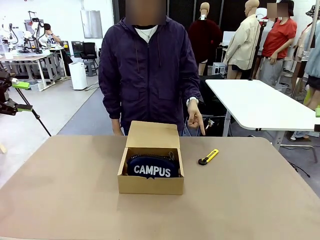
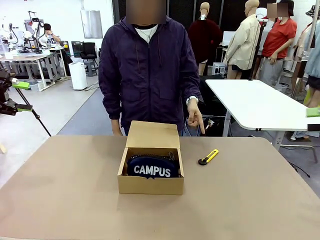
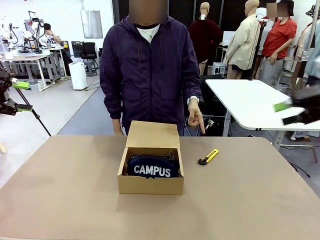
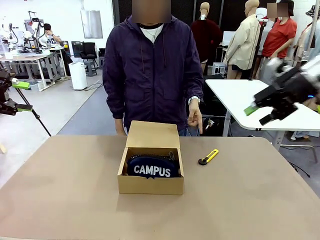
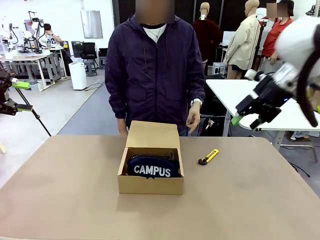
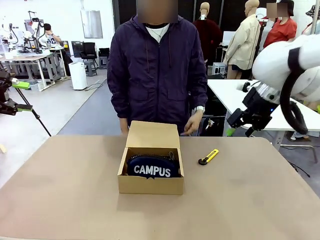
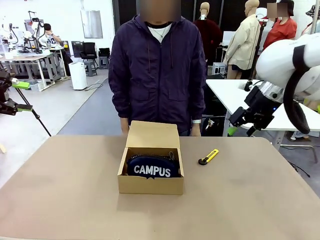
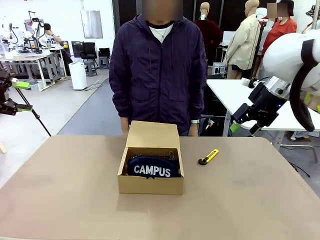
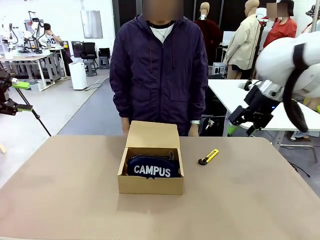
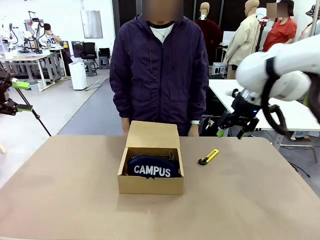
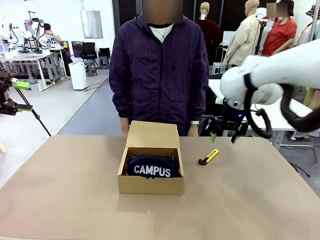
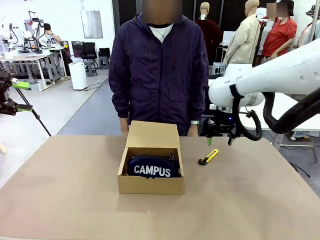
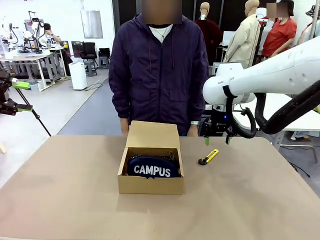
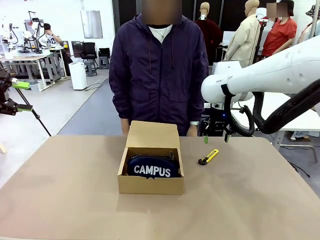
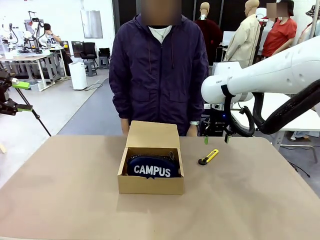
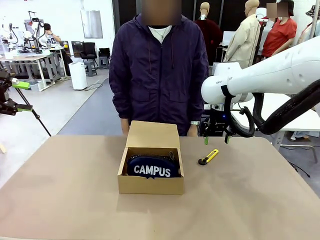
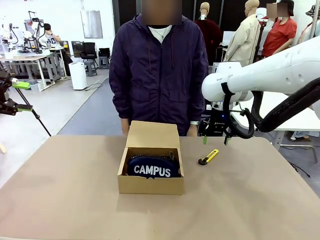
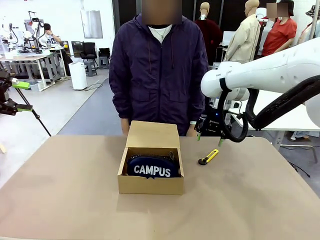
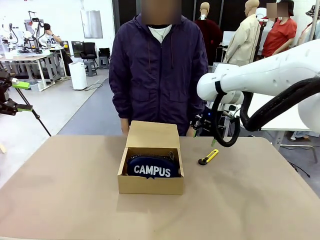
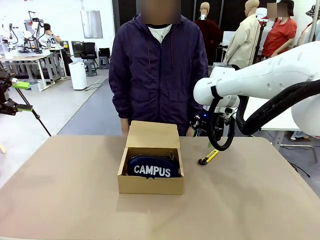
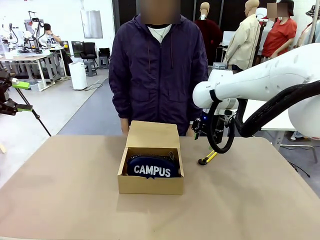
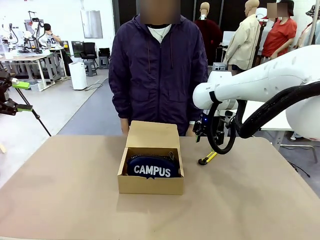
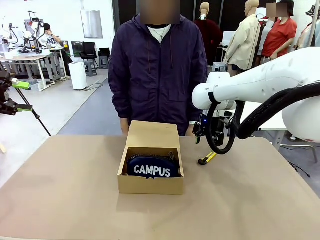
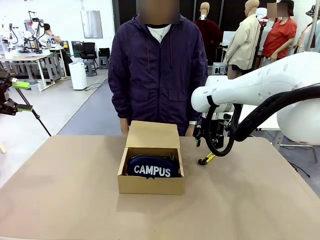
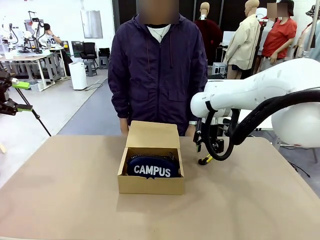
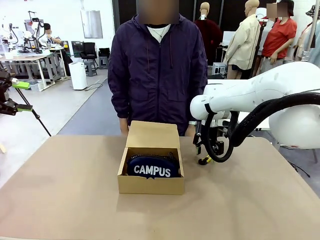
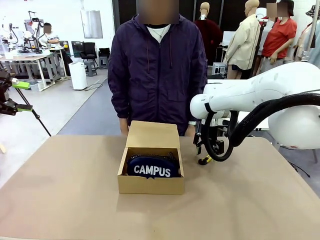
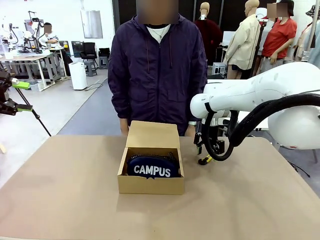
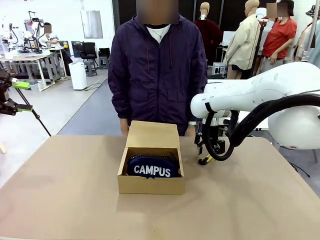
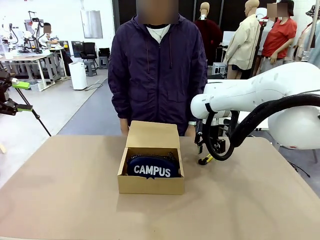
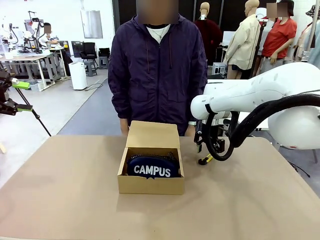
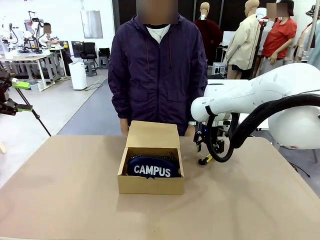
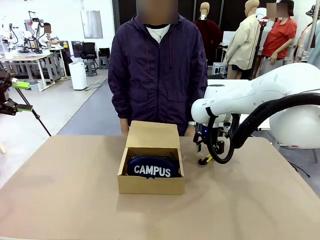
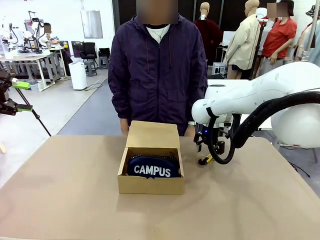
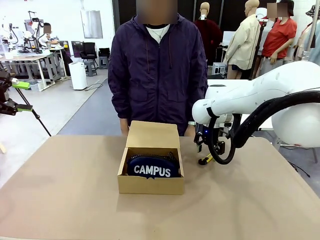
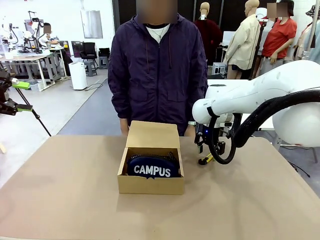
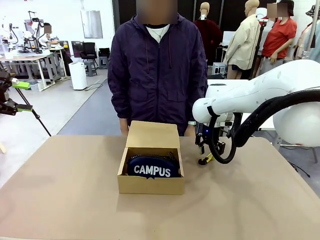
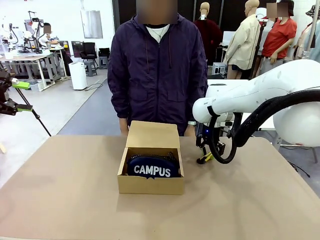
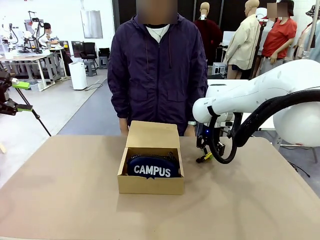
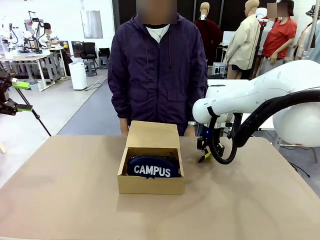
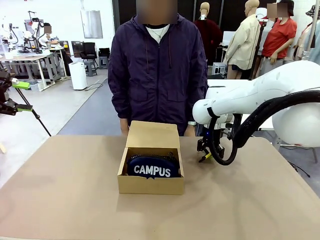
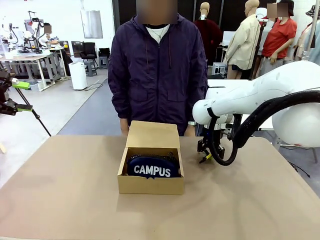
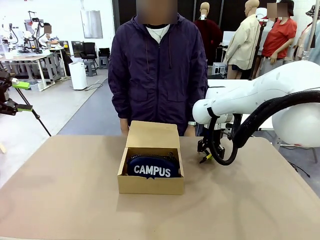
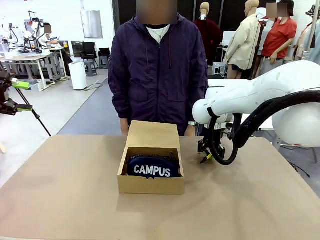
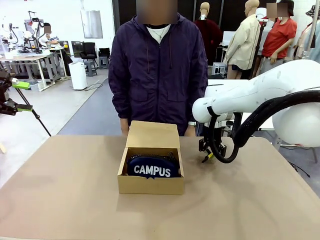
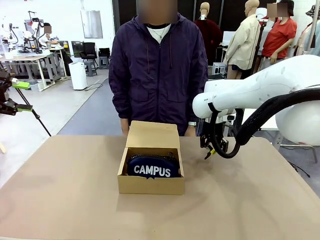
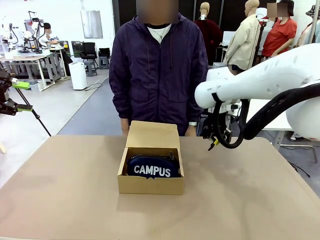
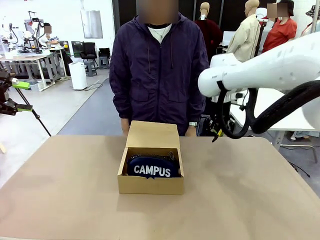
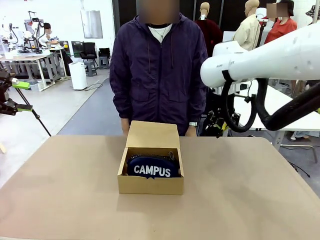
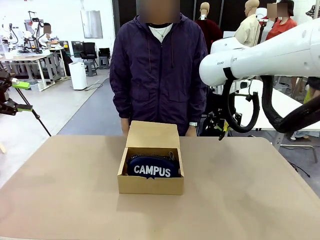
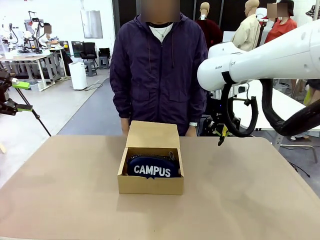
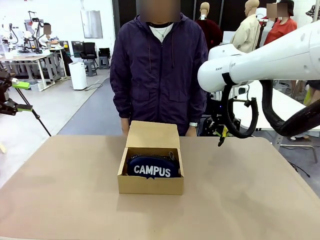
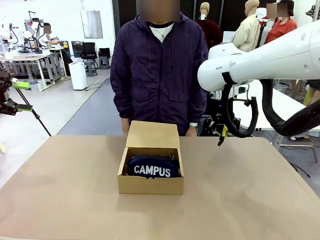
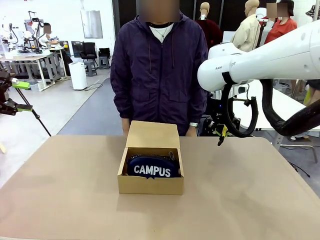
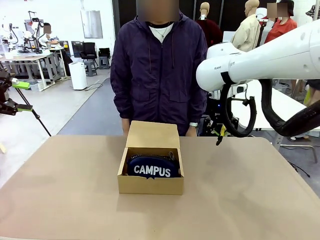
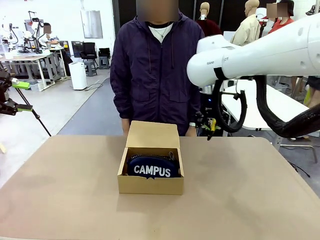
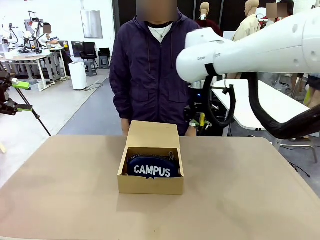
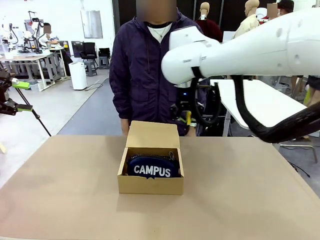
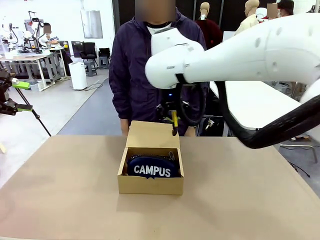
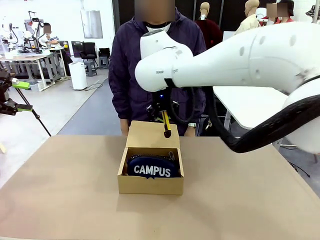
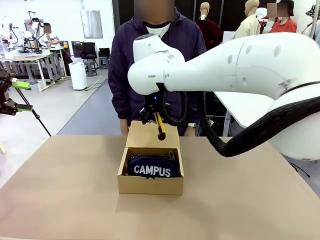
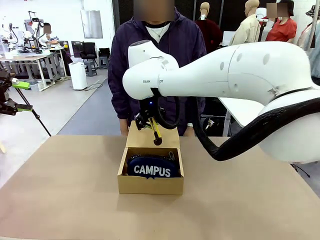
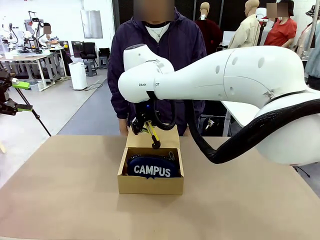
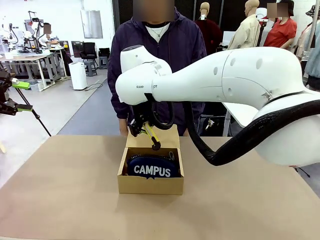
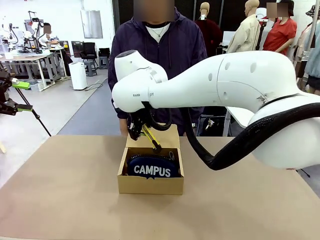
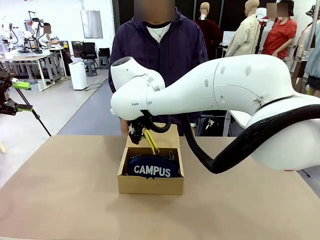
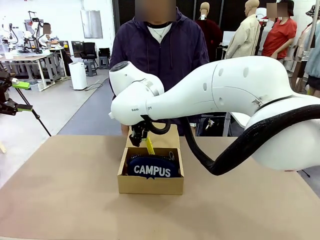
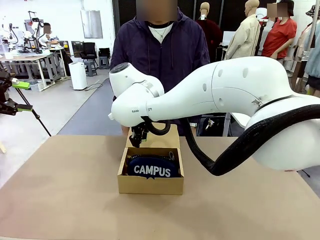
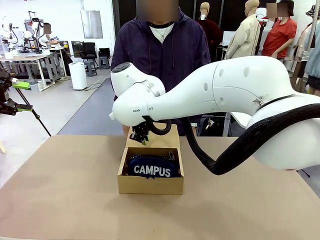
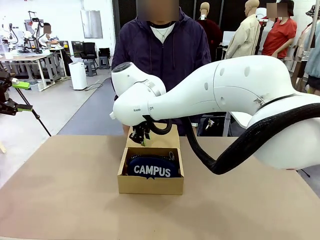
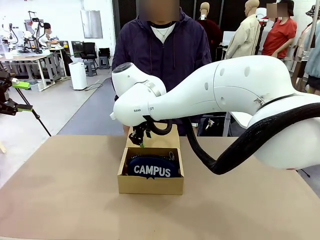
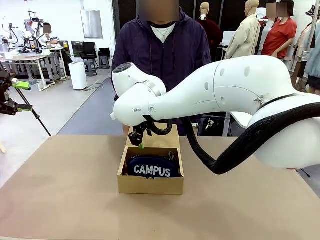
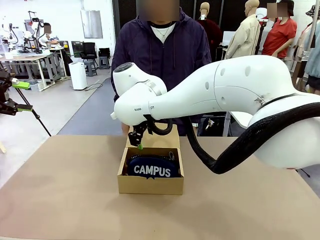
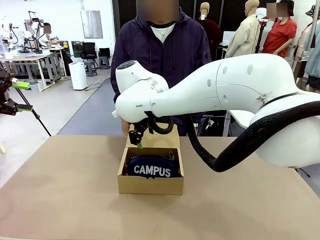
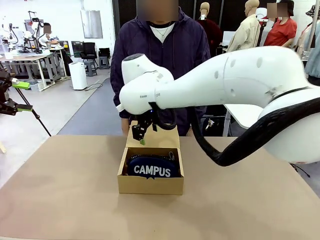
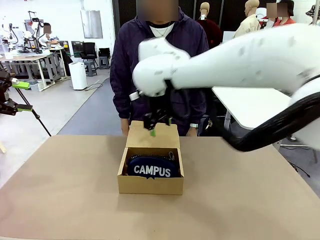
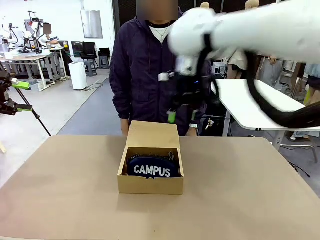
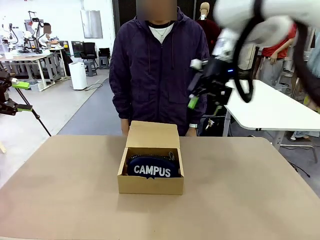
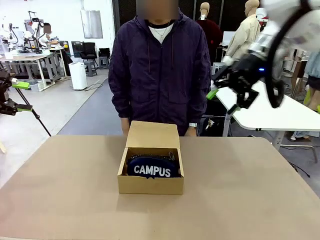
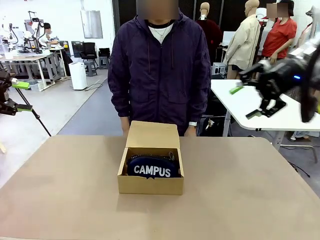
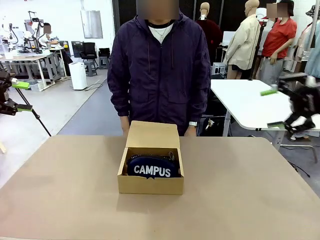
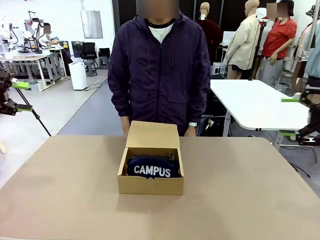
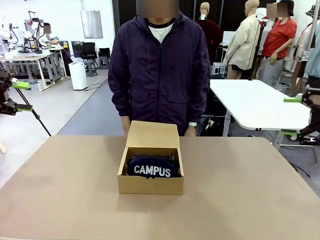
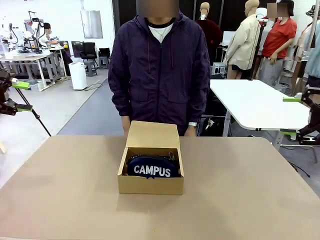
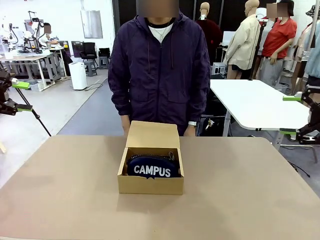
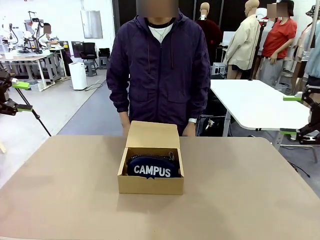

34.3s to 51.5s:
Task: Pack the items into the box.
Robot: Pick up the item indicated by the person and place it inside the Mailer Box.
Person: Lower both hands vertically with palms facing downward, as if pressing something closed.
